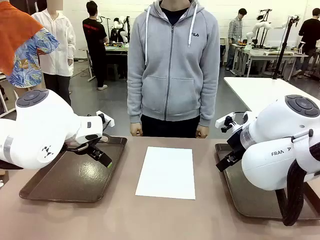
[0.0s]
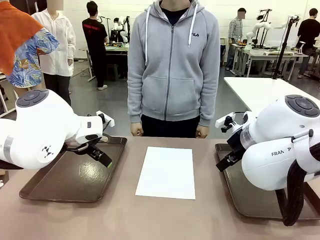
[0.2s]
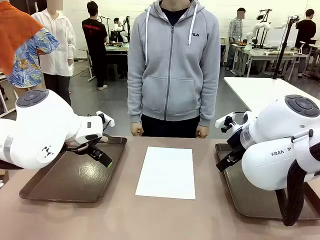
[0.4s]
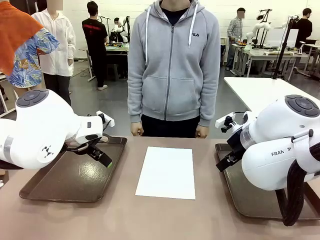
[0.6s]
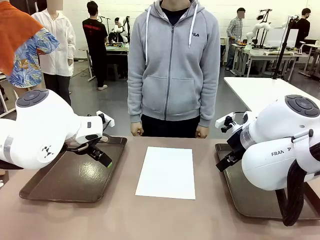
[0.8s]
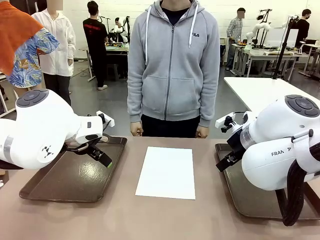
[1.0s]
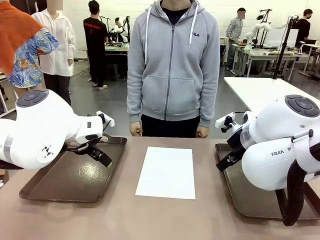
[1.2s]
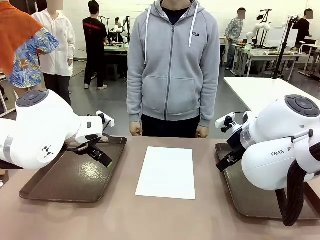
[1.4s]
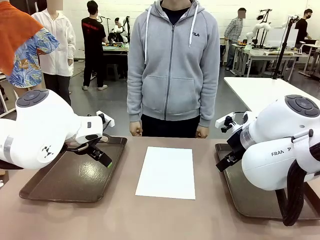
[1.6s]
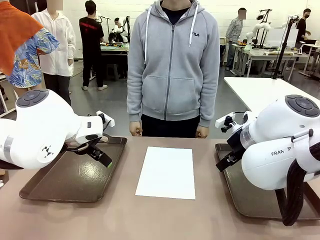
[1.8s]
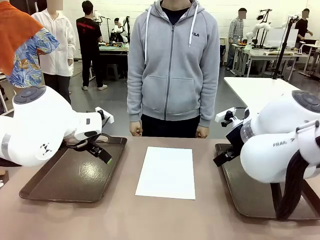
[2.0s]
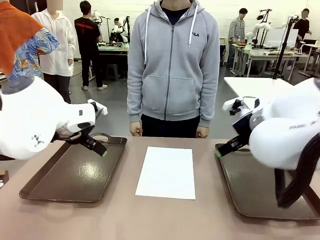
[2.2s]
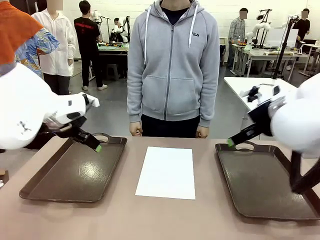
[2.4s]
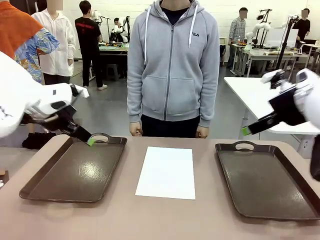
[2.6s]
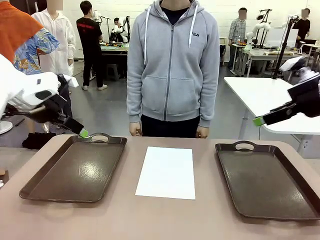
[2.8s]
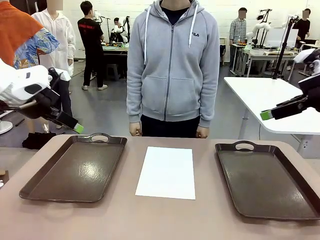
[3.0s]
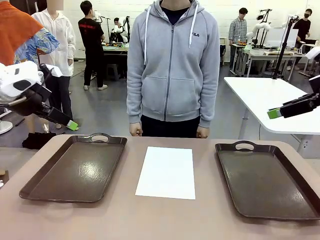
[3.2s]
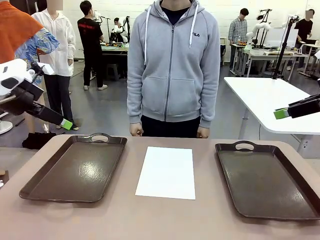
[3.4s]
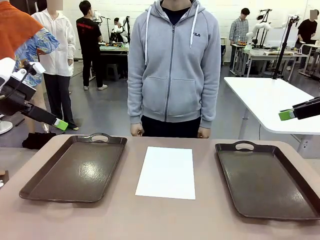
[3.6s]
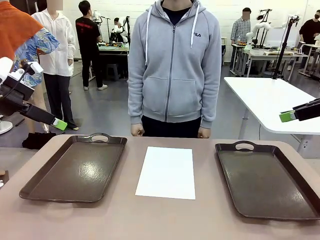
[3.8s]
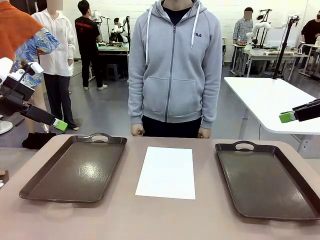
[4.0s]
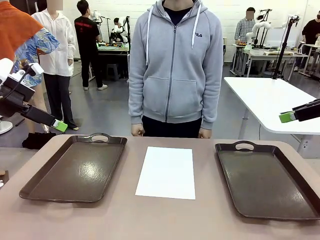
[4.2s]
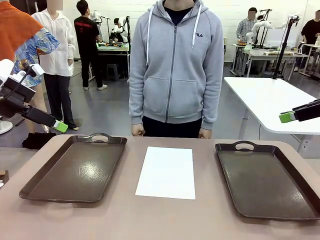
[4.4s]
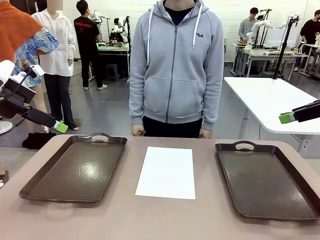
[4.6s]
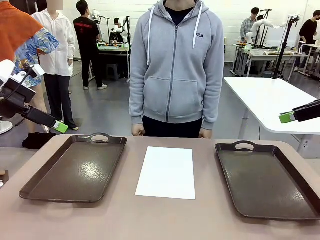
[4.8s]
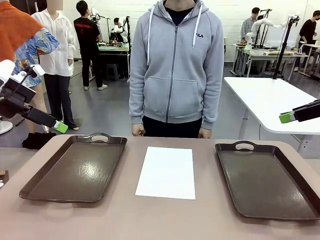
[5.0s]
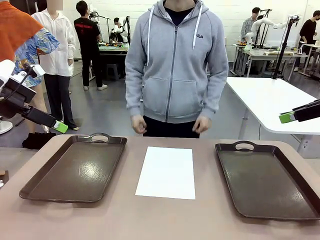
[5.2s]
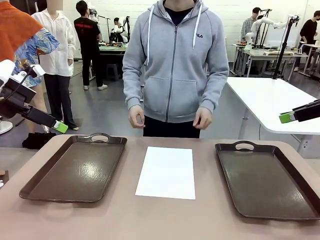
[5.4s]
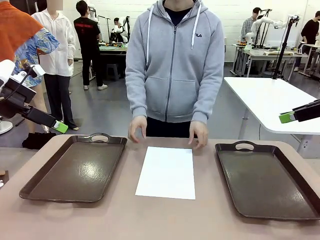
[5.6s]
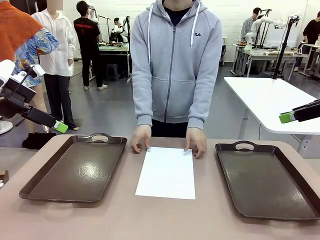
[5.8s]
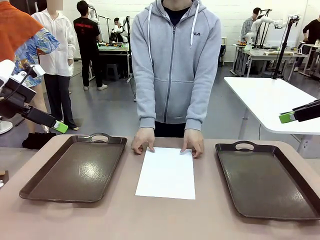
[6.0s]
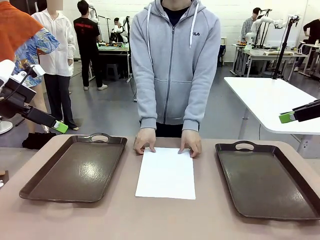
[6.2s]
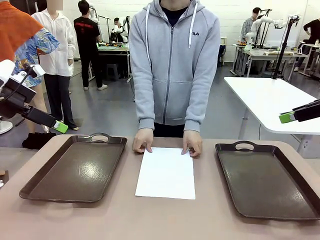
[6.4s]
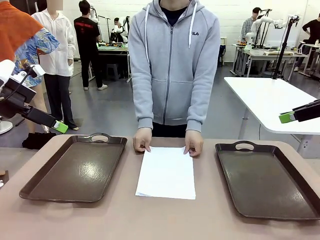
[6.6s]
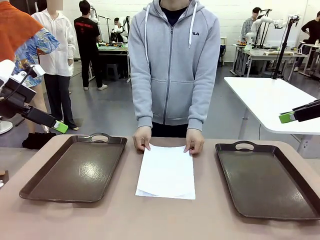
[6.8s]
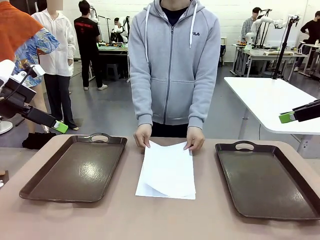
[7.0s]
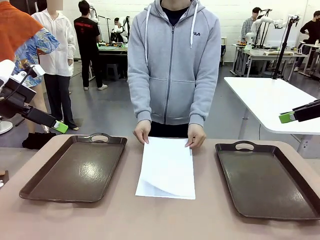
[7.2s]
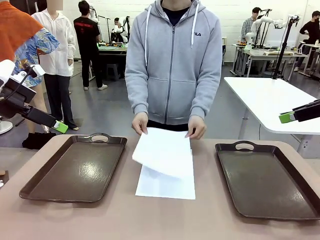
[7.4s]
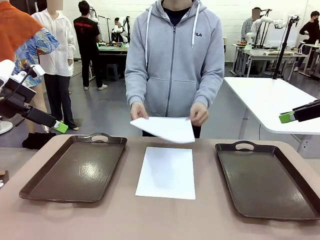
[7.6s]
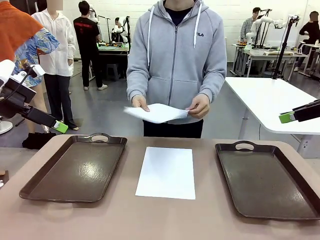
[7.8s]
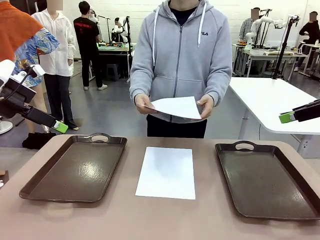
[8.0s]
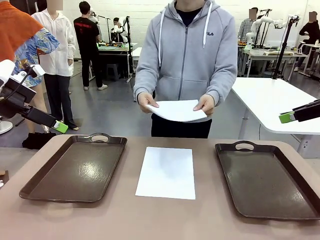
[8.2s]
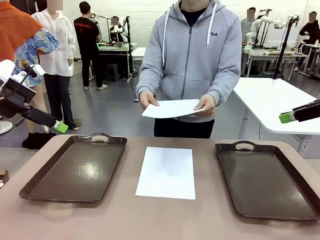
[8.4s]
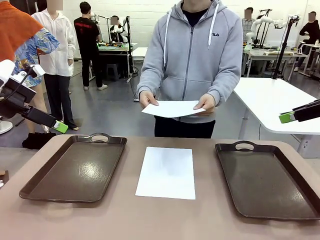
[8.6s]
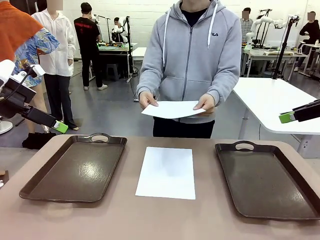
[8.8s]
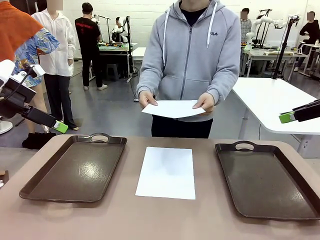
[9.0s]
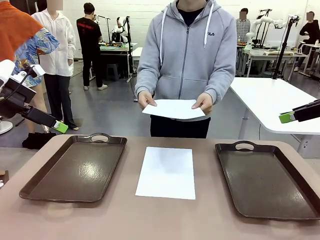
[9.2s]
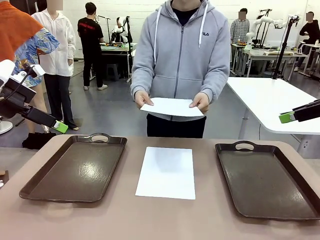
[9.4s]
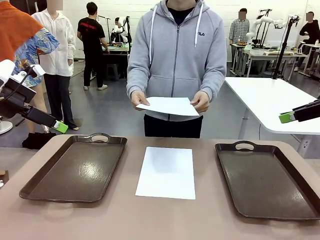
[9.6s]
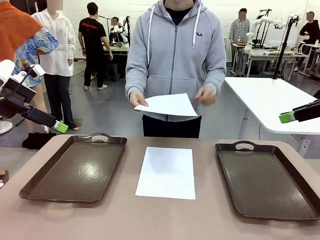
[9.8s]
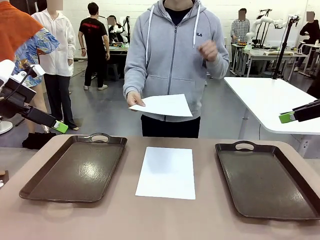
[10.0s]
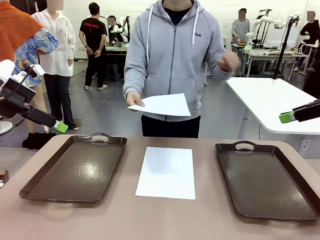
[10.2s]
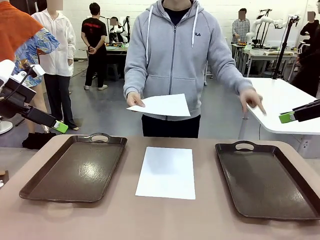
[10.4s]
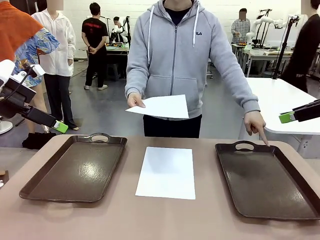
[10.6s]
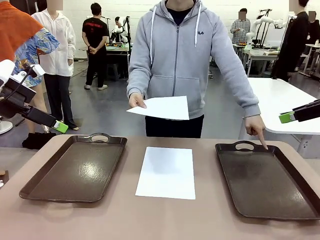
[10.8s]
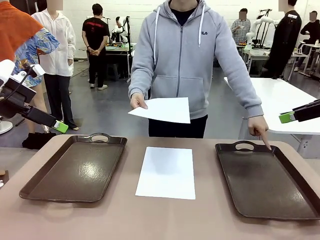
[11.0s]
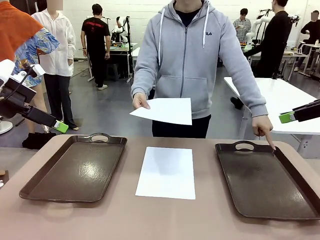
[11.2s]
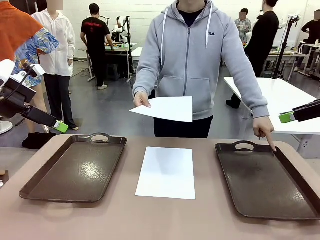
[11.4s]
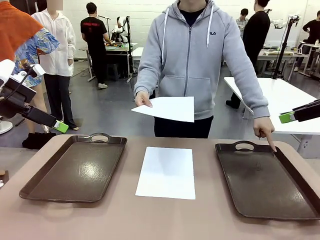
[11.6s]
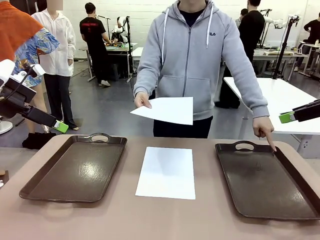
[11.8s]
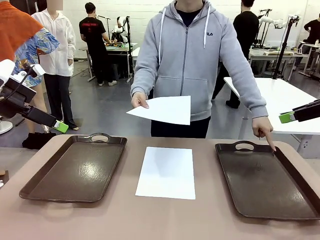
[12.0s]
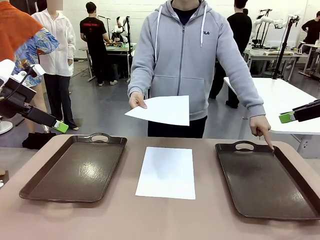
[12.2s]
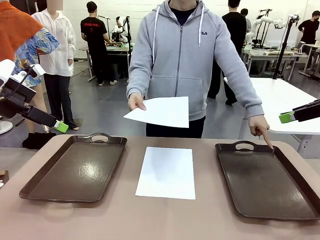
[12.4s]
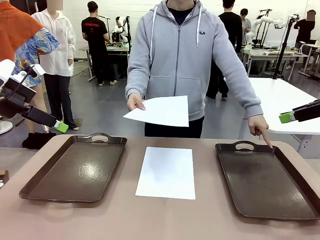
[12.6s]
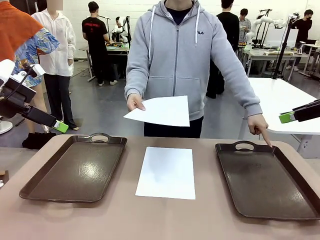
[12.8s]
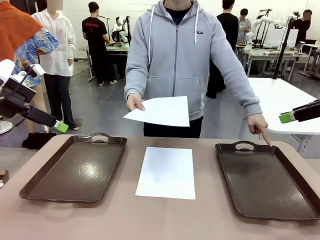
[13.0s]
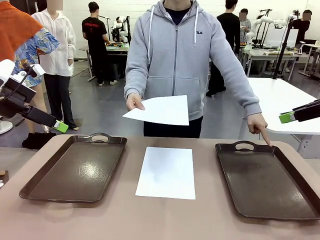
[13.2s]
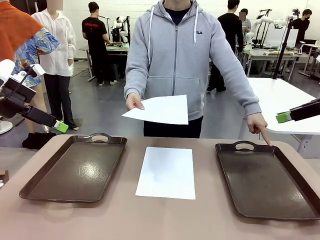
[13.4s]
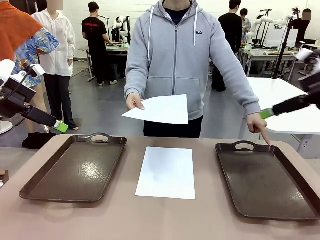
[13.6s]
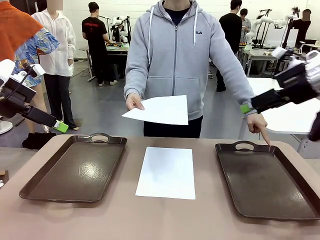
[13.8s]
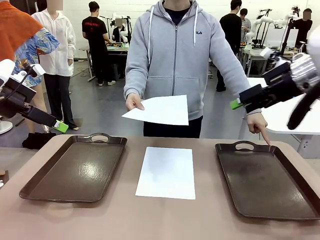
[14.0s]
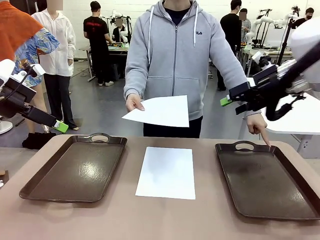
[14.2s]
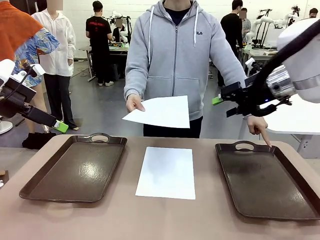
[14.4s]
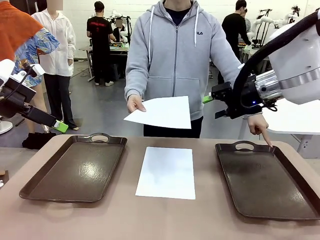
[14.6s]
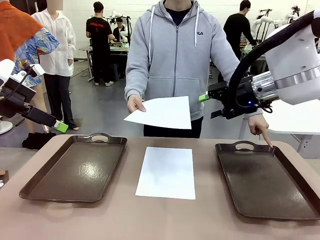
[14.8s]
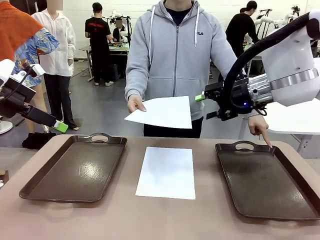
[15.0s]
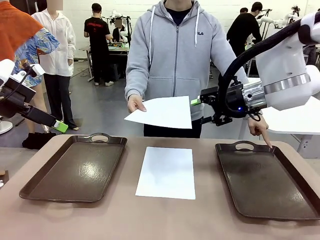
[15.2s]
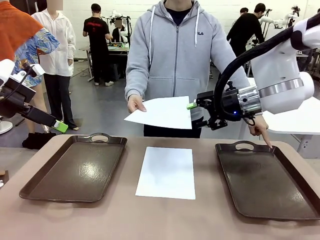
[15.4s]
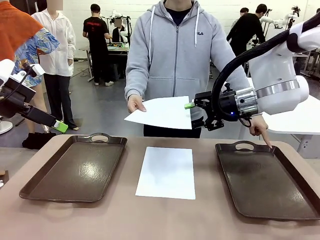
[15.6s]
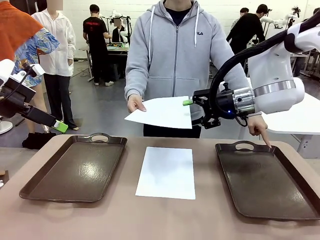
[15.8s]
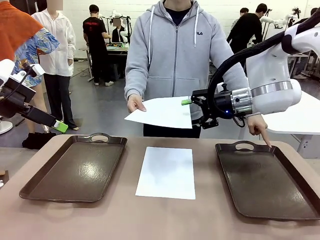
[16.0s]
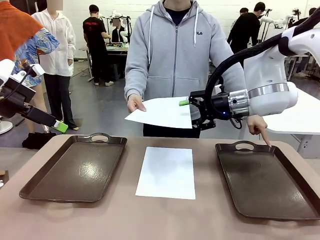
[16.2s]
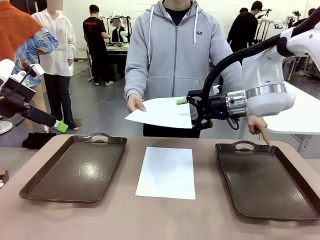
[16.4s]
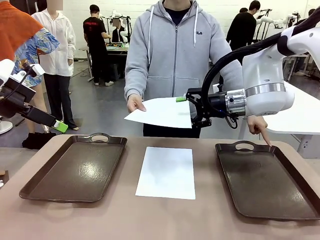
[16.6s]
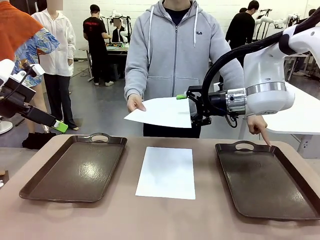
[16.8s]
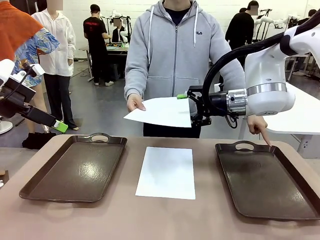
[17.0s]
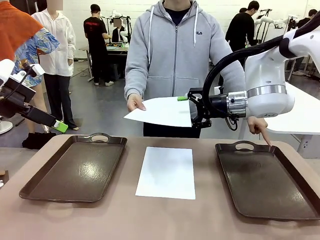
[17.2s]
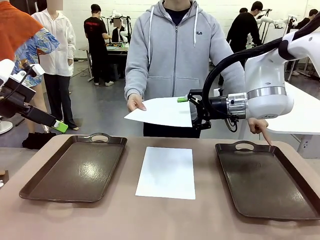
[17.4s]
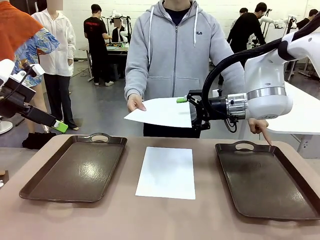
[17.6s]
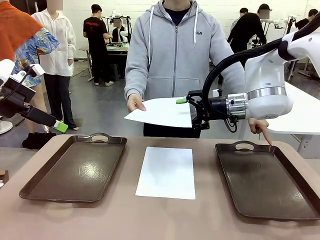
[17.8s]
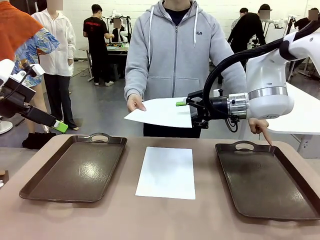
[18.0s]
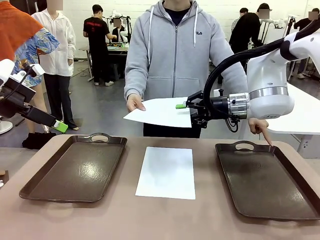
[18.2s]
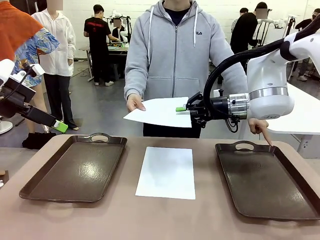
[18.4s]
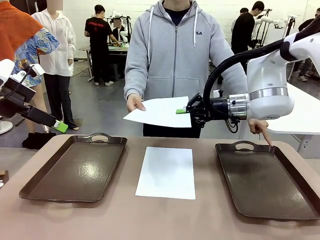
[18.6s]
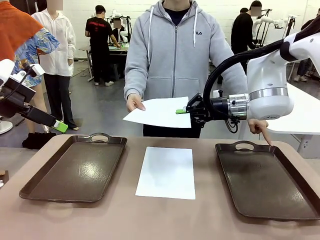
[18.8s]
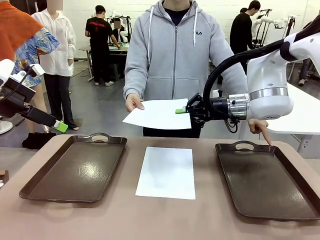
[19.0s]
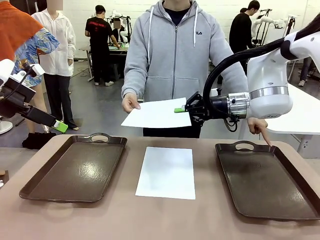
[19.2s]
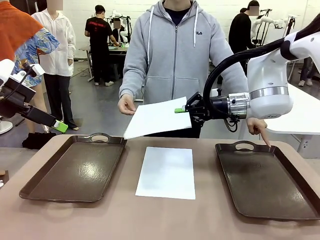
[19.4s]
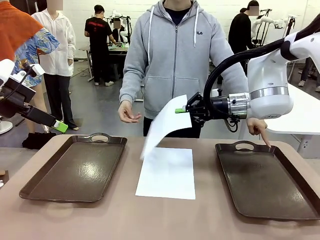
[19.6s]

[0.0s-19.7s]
Task: Sort the A4 documents.
Robot: Receive the A4 Paper.
Person: Pick up a sheet of paper from the center of the table and hand it to the robot. Point the randomly selected tray with the other hand.
